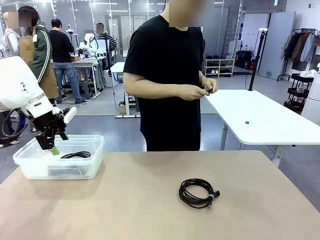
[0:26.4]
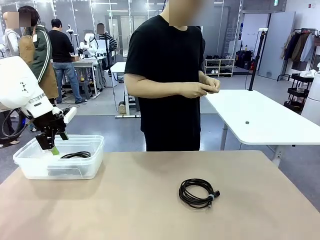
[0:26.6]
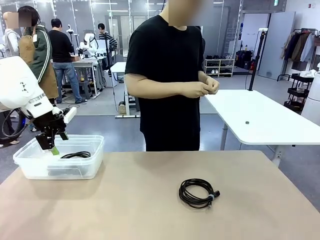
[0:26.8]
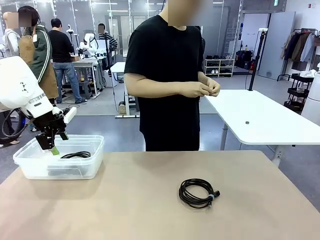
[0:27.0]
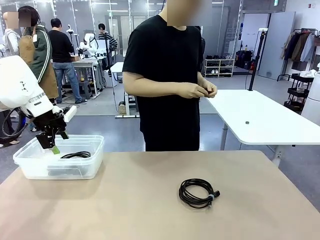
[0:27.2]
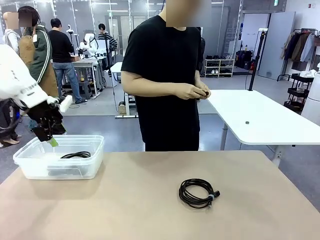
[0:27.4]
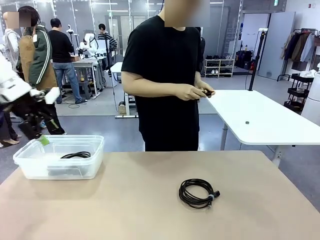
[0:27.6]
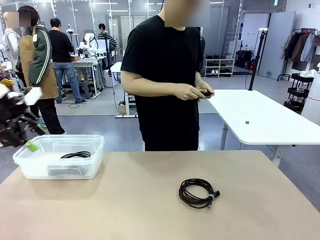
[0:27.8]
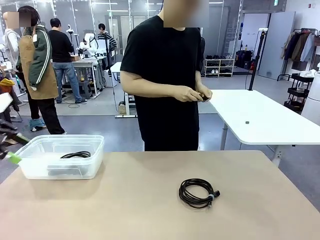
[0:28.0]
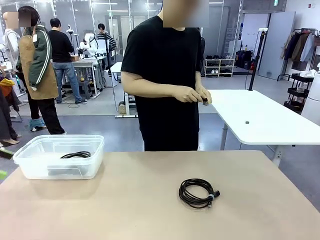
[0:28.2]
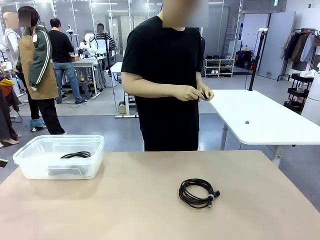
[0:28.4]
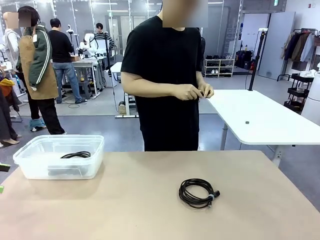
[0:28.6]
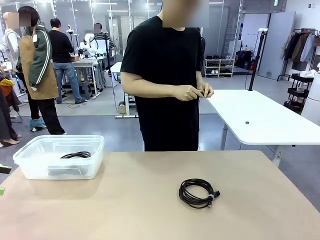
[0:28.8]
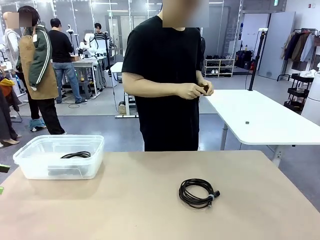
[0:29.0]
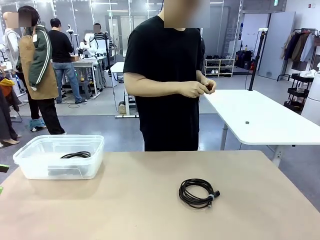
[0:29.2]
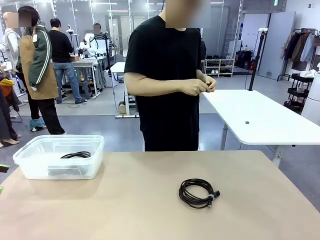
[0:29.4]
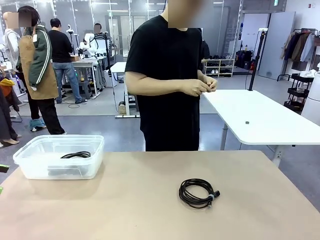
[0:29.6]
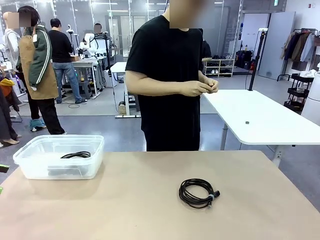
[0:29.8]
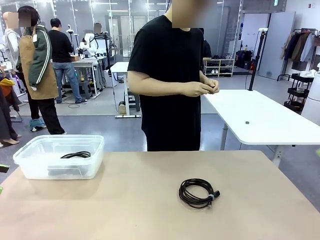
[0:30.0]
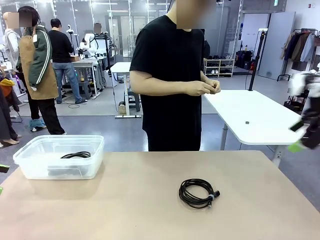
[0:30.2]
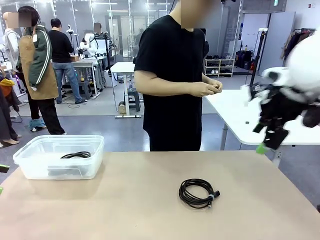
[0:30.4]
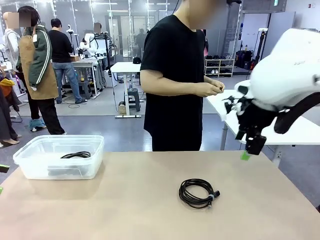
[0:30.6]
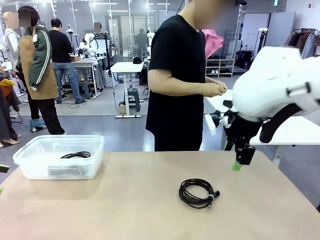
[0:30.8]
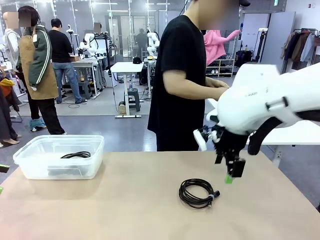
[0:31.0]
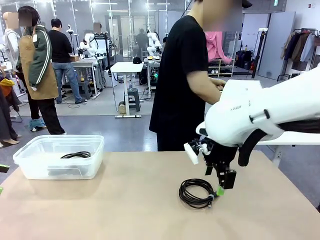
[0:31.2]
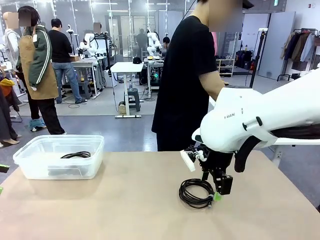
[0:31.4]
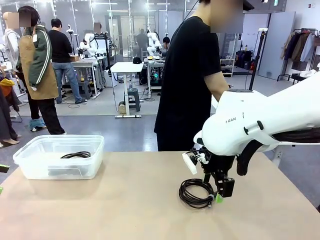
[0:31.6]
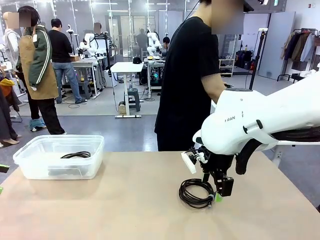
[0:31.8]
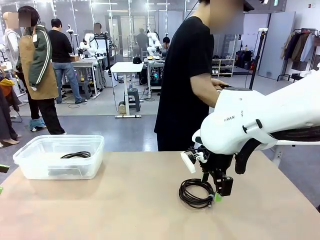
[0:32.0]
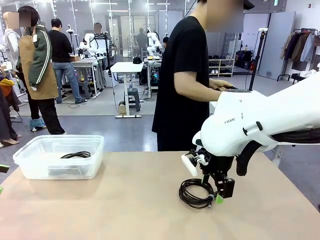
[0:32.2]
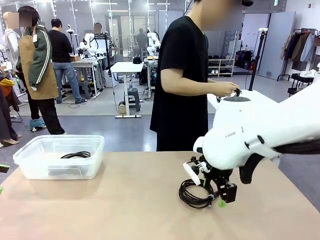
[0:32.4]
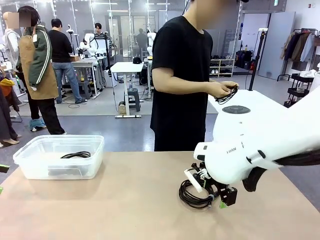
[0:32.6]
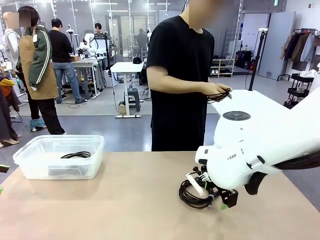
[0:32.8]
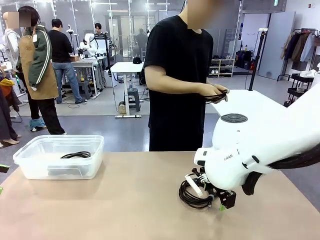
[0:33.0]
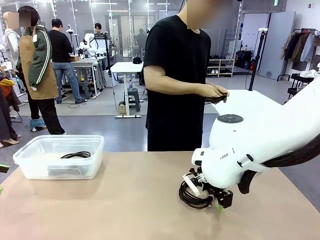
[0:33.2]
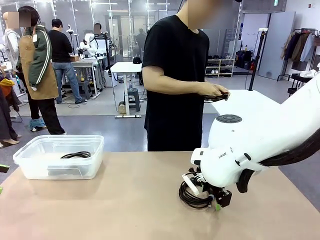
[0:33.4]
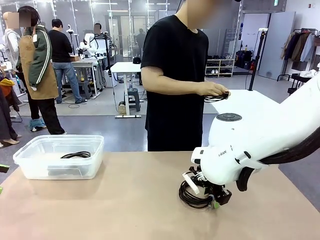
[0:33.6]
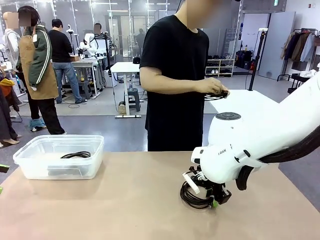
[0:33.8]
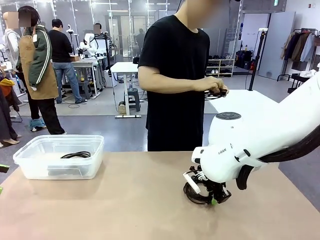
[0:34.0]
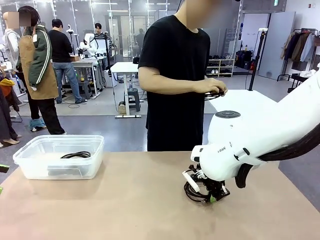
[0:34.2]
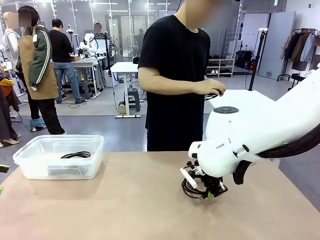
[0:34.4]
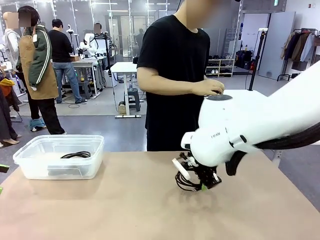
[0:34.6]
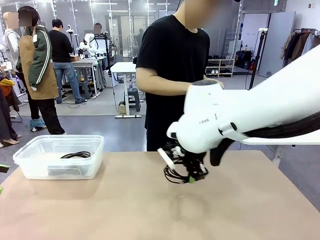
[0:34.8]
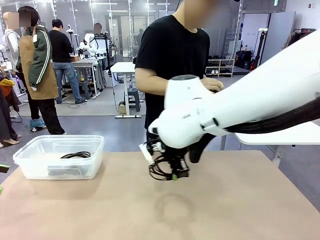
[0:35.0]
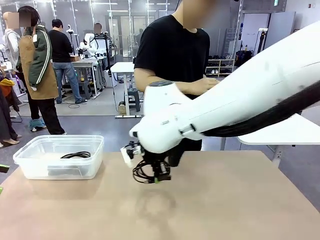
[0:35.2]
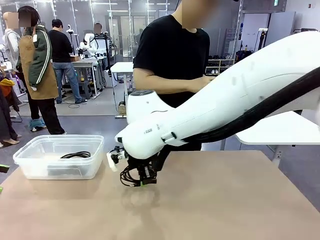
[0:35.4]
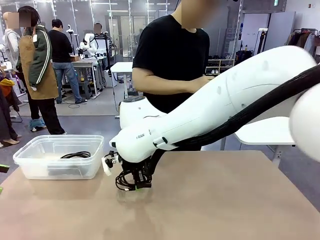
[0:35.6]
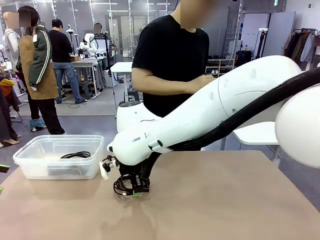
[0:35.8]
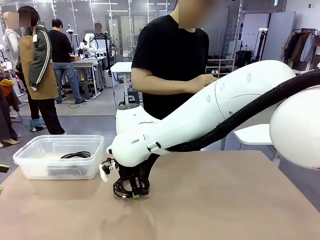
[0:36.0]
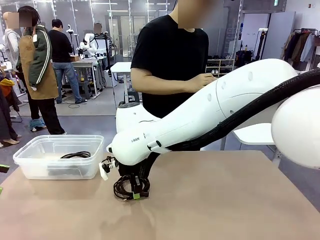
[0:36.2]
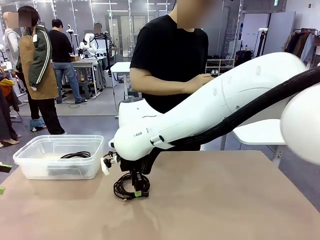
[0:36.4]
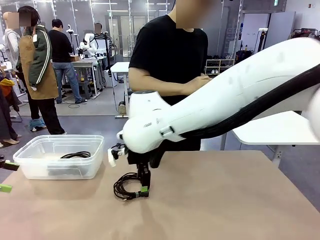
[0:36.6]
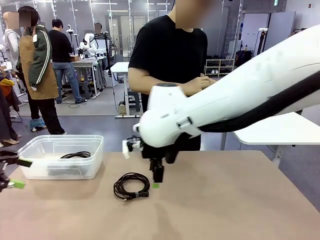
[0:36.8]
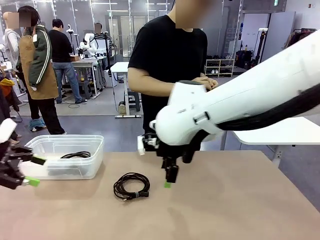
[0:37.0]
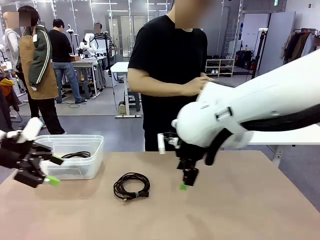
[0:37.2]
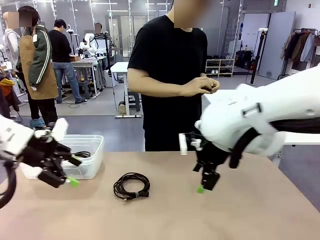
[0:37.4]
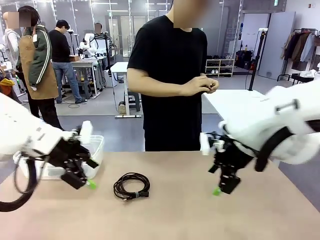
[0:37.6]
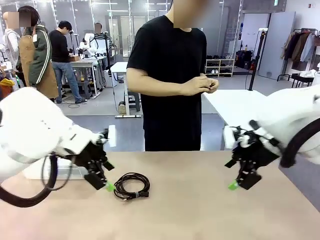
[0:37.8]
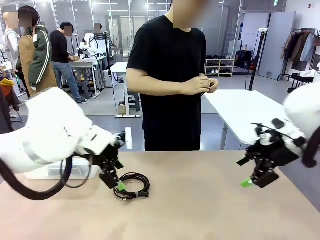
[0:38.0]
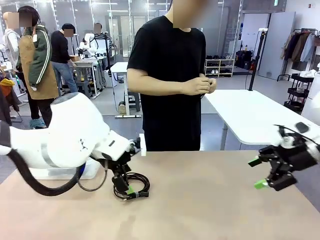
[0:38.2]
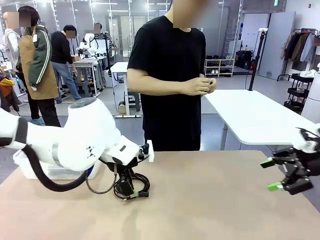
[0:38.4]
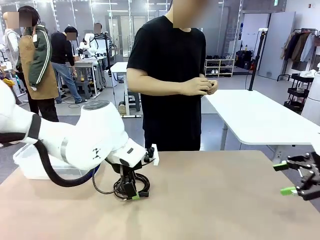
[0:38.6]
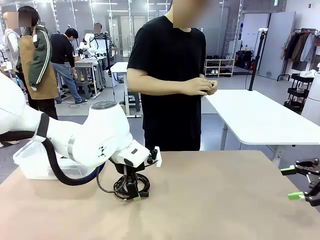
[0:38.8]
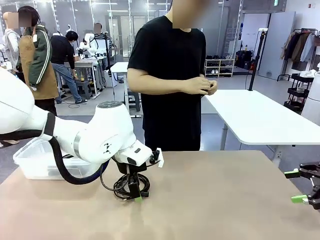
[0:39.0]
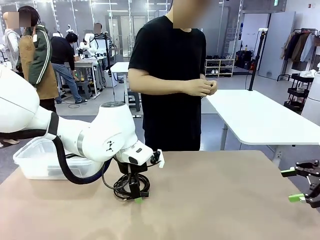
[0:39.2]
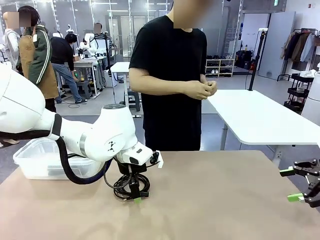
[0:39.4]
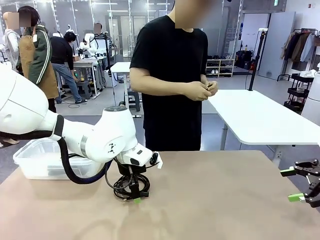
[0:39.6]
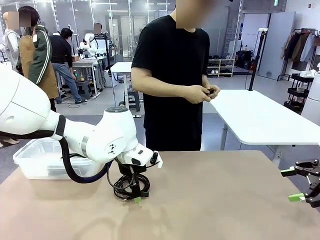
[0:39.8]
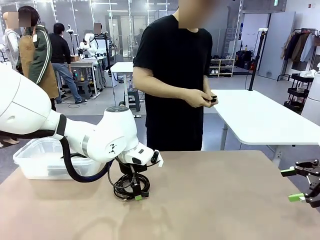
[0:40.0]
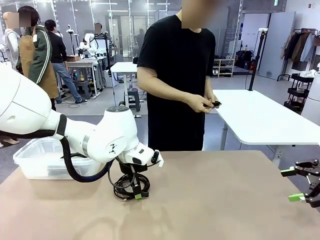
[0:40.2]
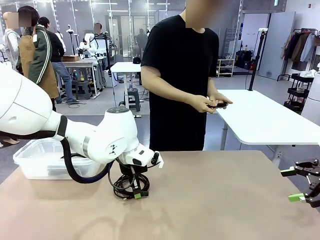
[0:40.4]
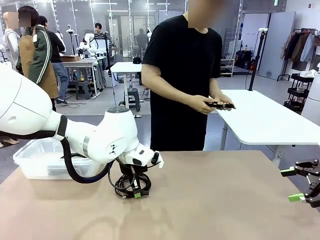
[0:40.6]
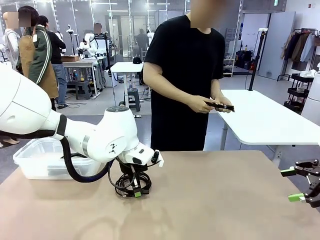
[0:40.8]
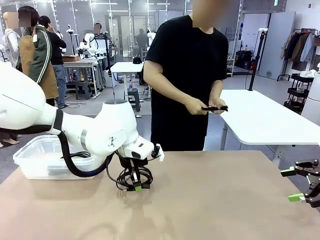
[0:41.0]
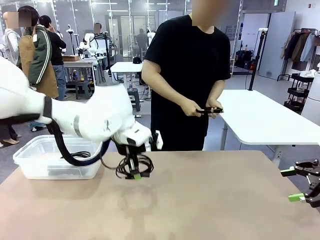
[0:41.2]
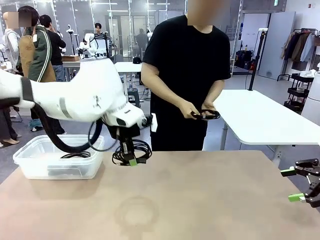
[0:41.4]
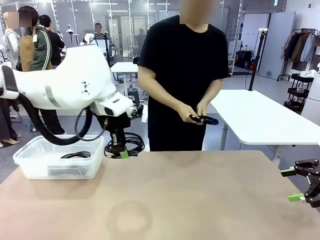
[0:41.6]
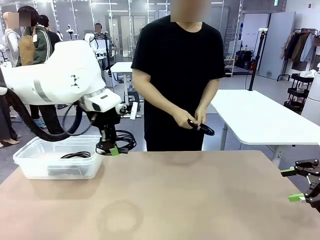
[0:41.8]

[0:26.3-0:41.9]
Task: Organize and store the cables.
Robot: Place the USB Extension Cable into the Organizing box.

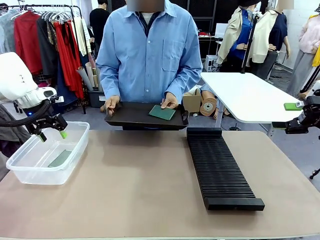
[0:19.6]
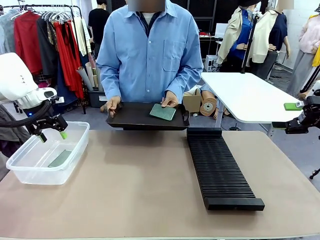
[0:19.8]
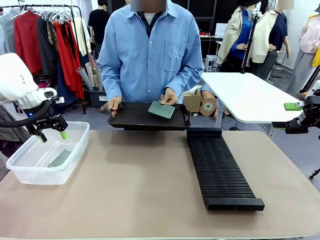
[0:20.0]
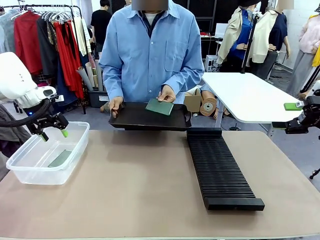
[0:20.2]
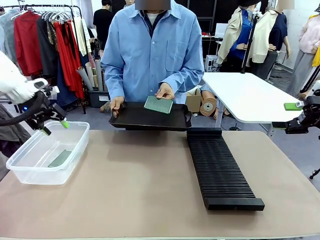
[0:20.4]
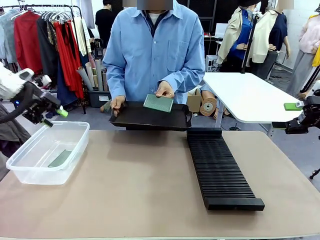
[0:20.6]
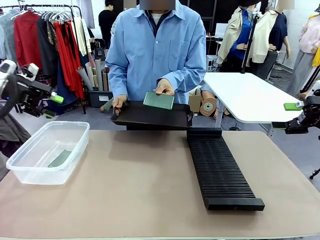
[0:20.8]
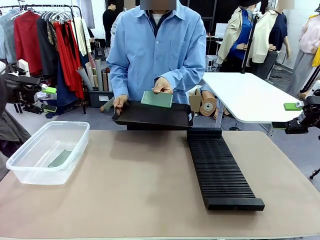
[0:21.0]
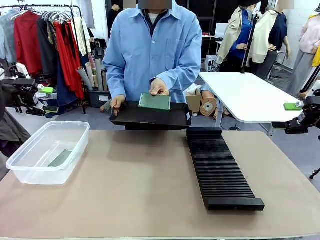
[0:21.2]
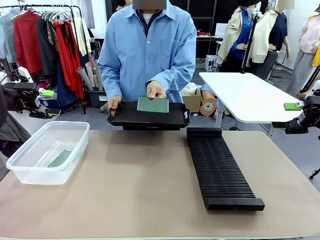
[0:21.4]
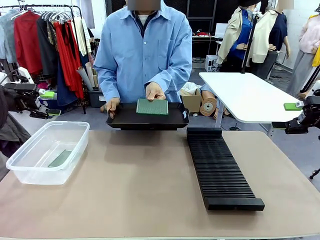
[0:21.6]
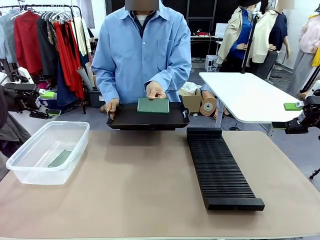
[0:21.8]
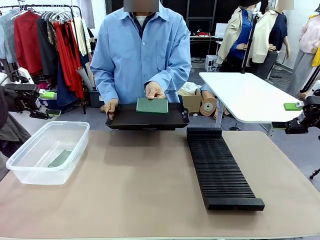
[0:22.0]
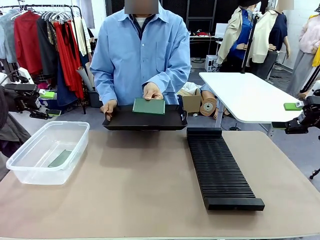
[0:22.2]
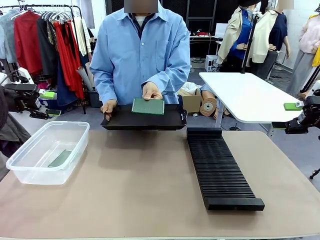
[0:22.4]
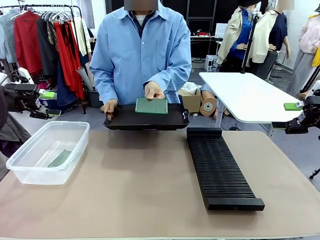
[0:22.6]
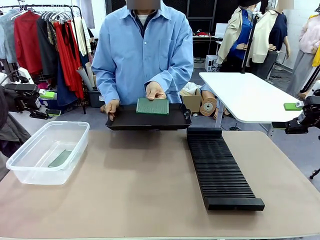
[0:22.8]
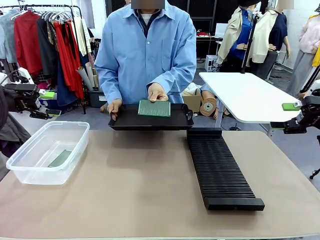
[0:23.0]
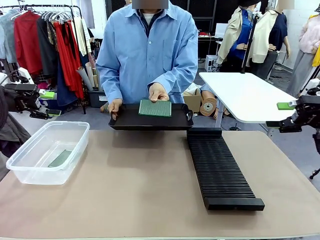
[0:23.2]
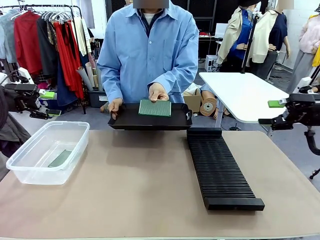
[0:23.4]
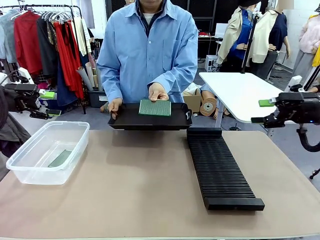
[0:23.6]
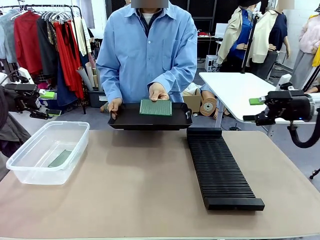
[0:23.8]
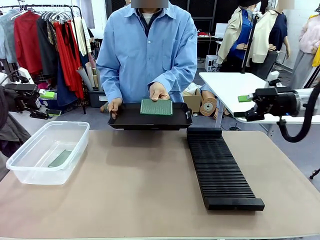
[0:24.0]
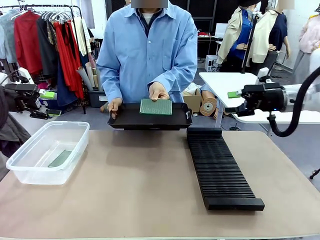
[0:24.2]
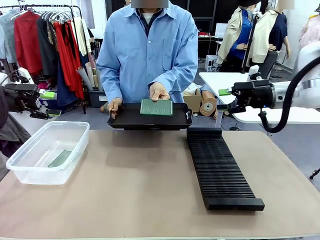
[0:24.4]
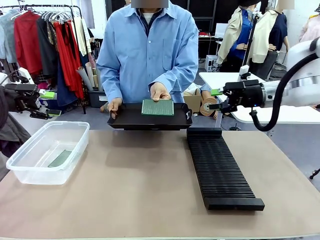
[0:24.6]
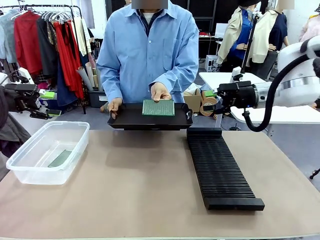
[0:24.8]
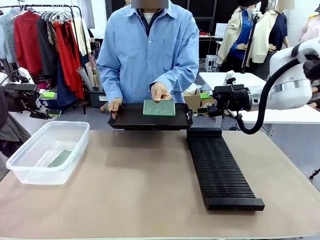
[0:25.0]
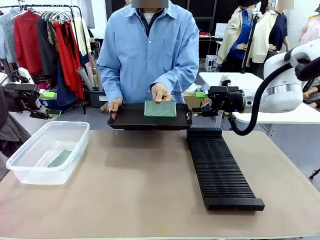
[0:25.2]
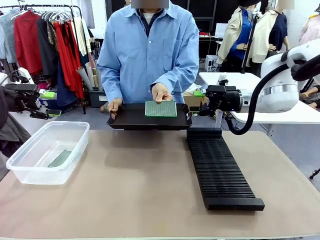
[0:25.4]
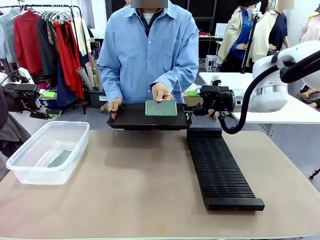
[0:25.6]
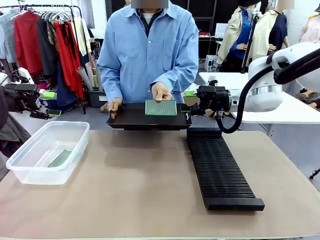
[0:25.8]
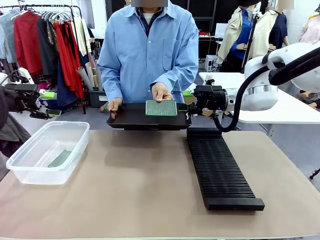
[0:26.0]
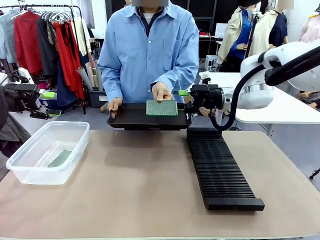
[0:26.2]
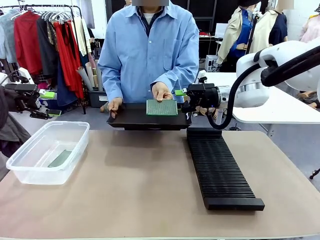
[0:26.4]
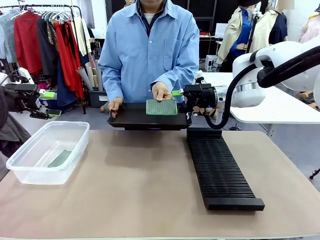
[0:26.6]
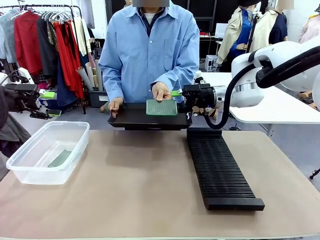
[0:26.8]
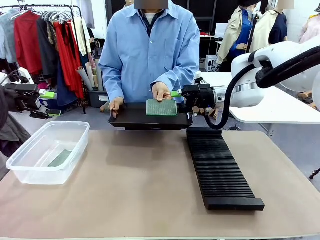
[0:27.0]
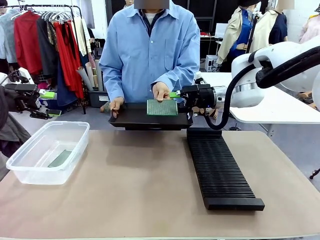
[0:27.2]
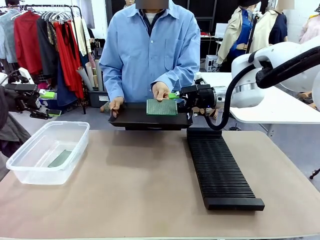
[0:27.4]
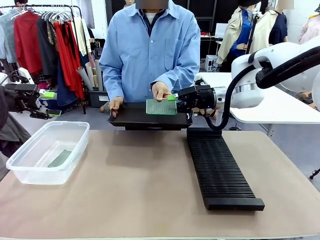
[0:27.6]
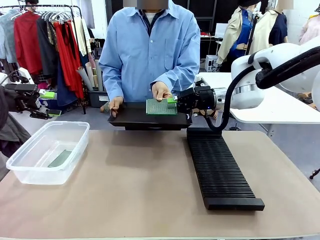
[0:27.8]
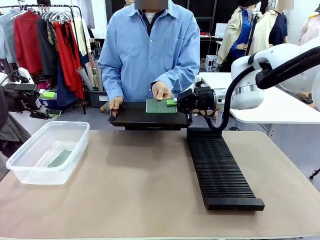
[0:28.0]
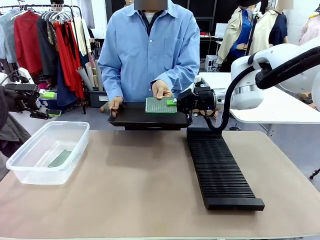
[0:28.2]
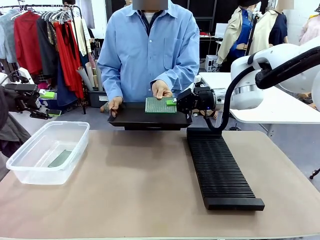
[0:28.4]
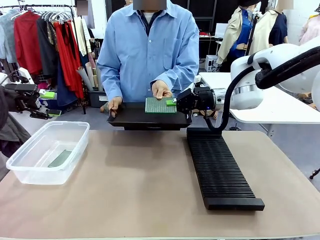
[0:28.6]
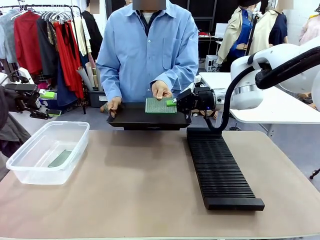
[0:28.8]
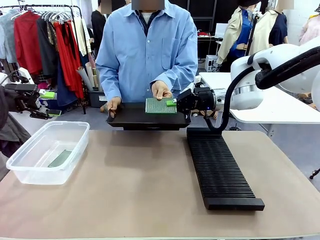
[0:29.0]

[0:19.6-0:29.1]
Task: Sort PCBs into racks and boxes based on the side picked up.
Robot: Pick up the Blank PCB handed by the Human.
